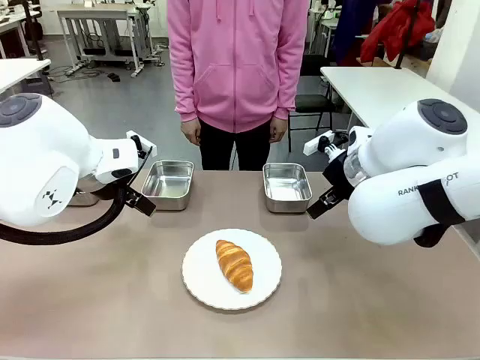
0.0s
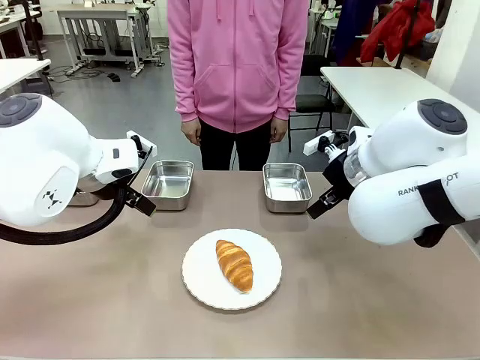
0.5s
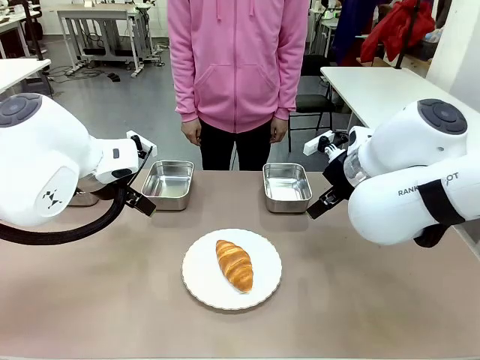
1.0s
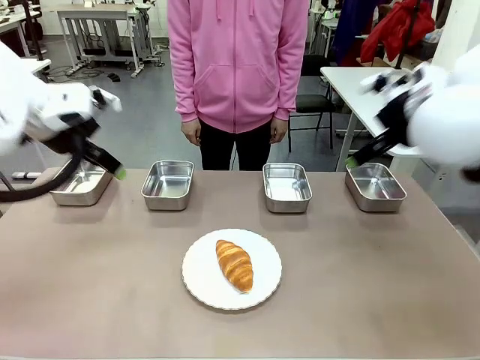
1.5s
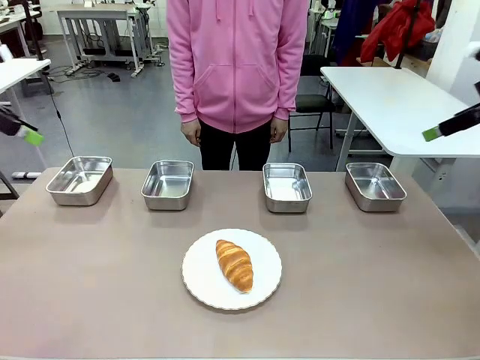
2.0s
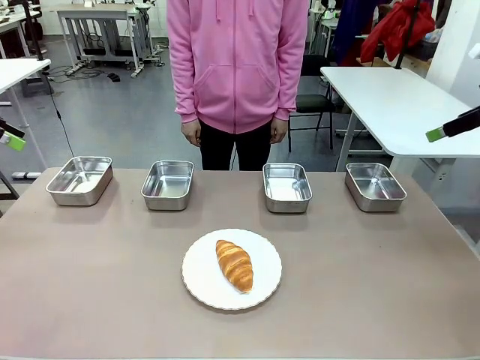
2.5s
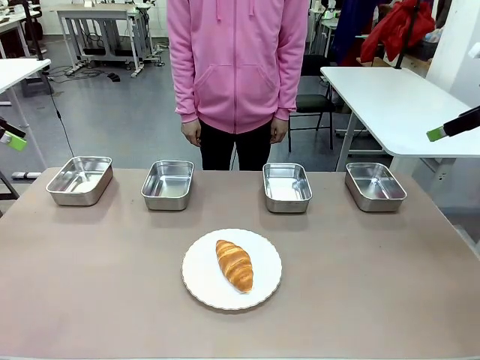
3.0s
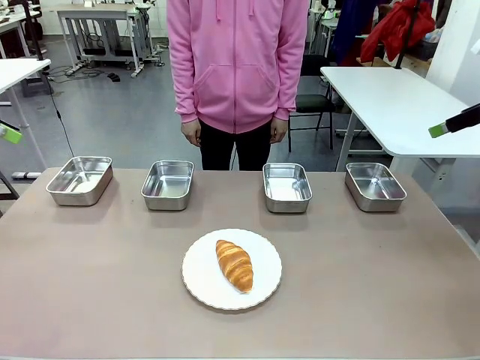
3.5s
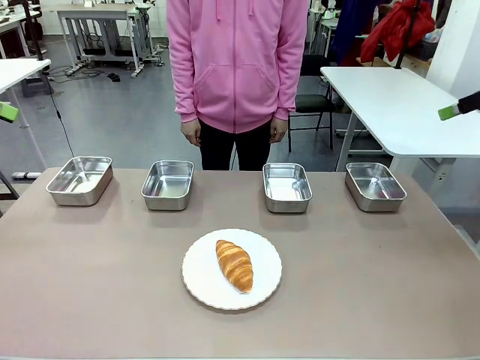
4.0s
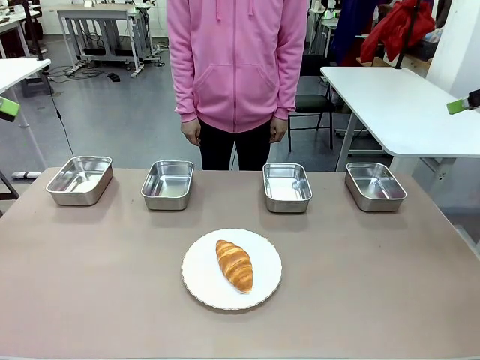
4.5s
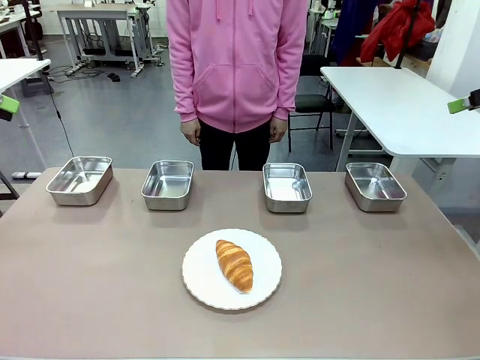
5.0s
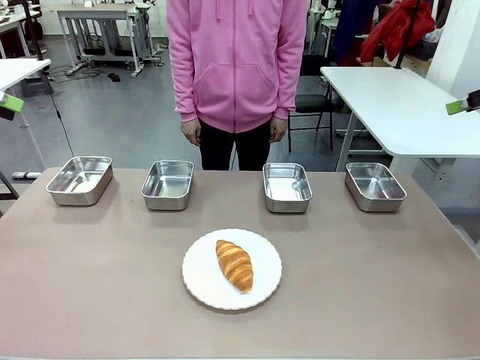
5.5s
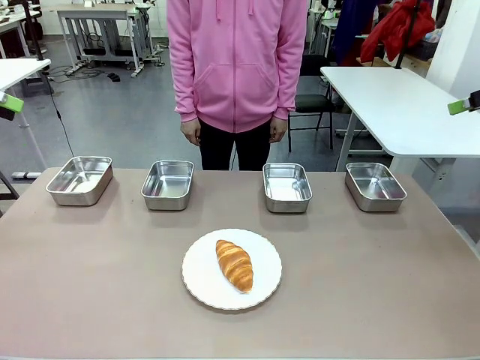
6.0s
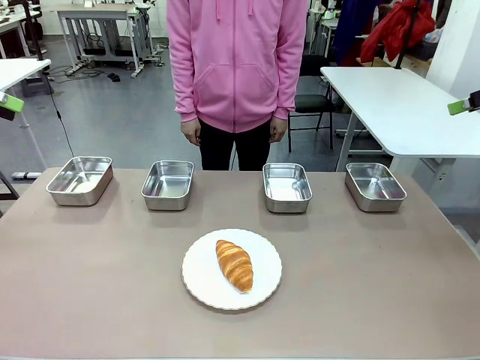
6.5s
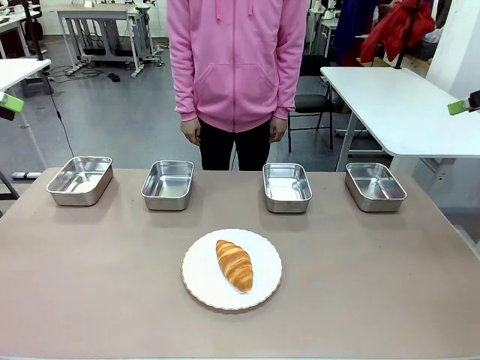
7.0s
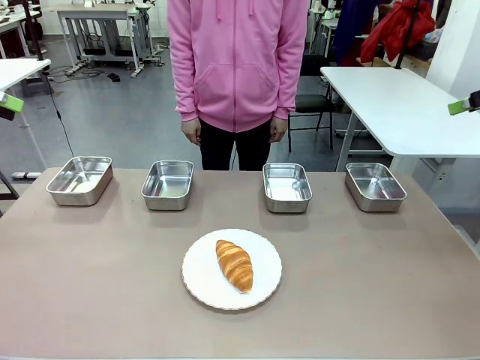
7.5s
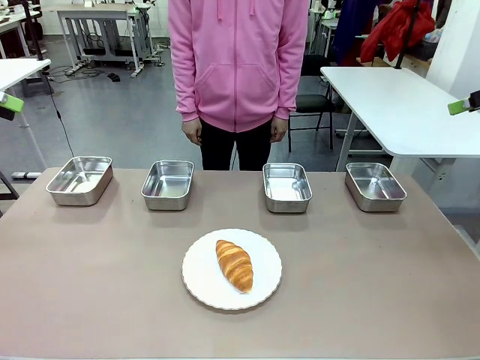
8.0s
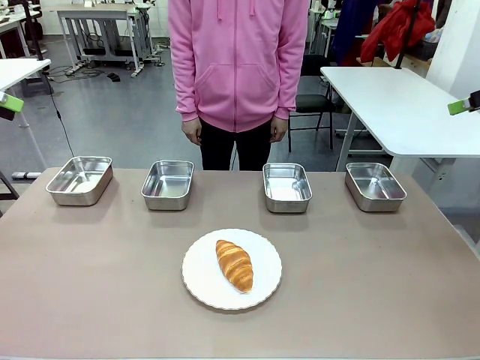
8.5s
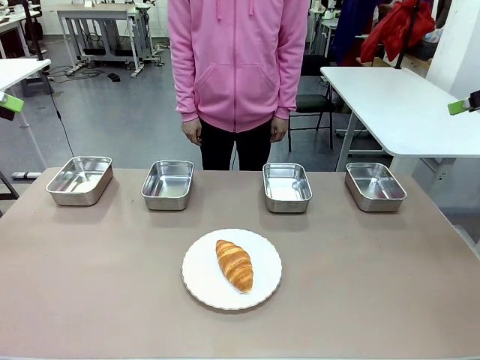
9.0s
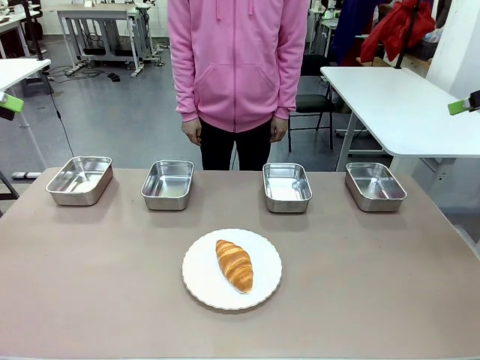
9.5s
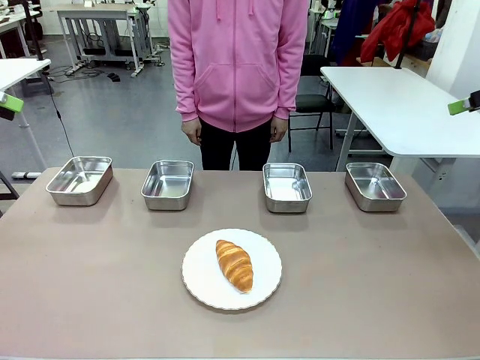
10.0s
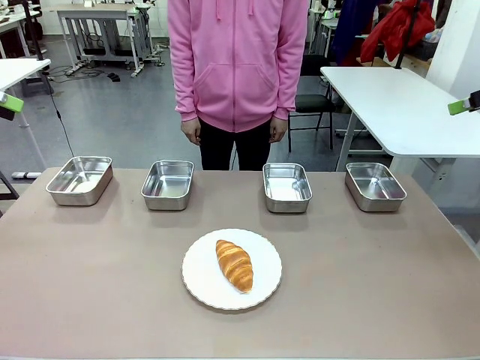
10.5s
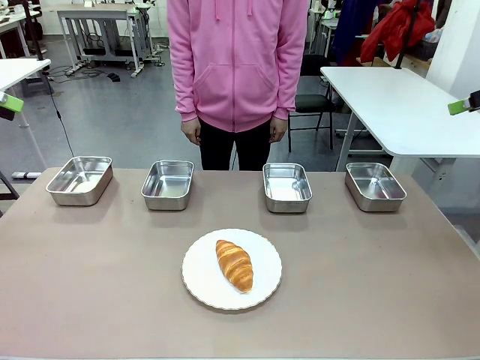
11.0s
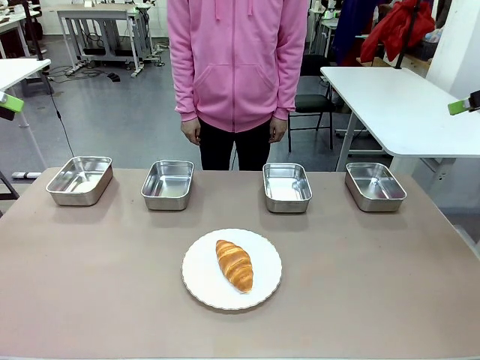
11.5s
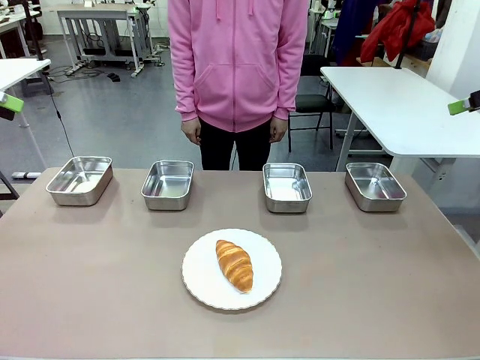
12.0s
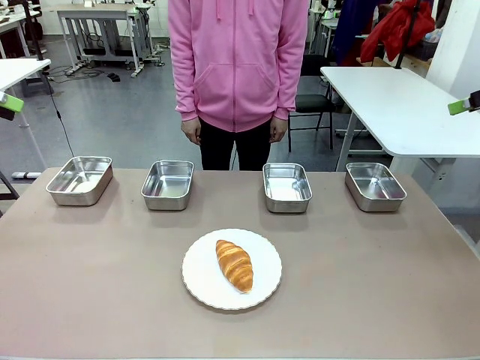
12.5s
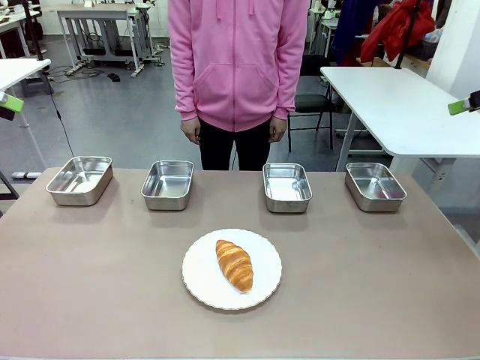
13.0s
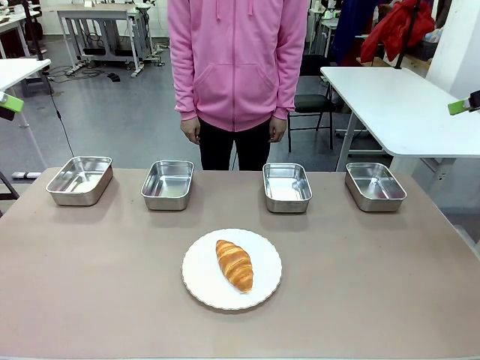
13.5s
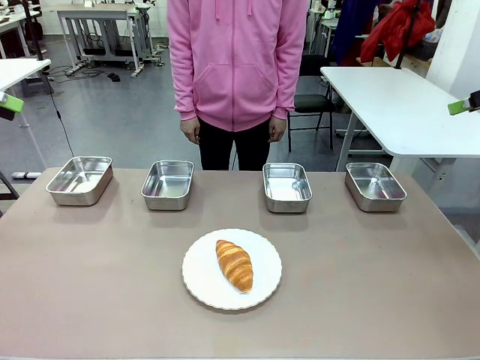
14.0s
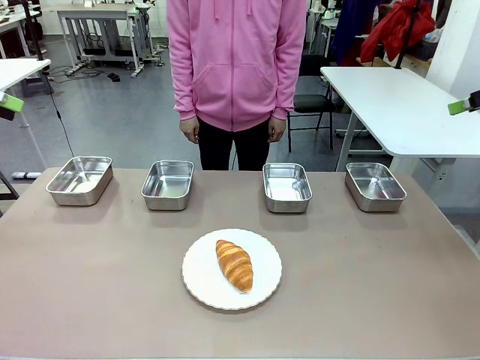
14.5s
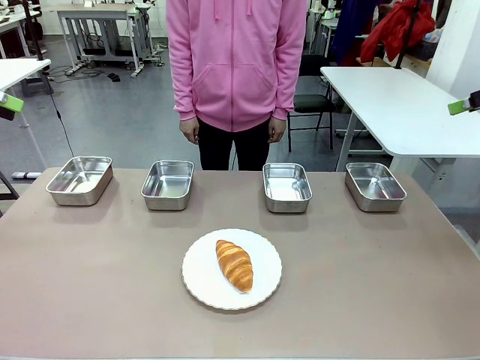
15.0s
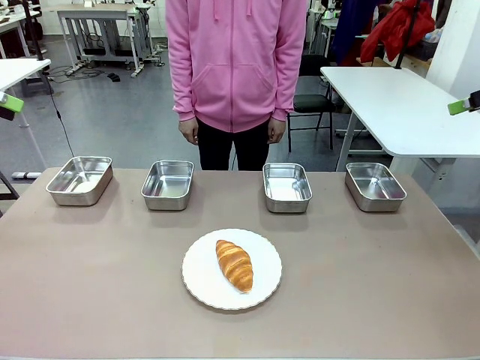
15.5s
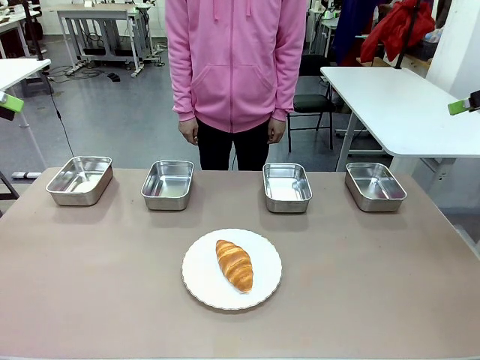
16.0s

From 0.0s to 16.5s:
Task: Place the bread in the container.
Robot: Place the Butter Roll into the Airtight Container indicated by the human.

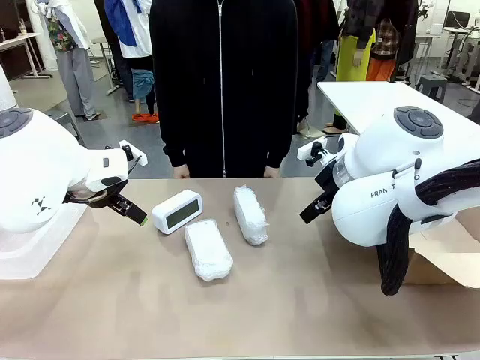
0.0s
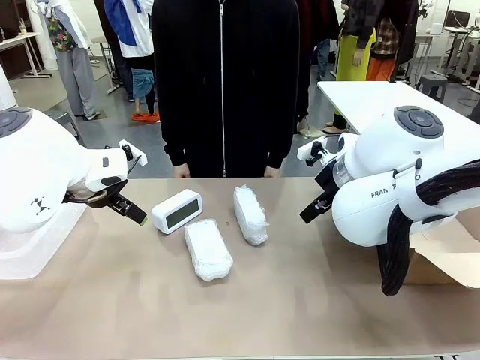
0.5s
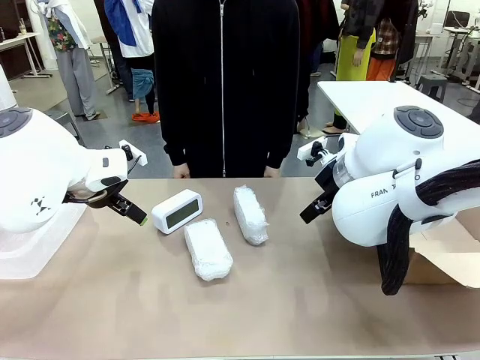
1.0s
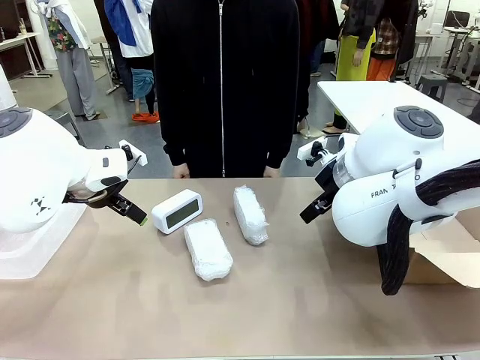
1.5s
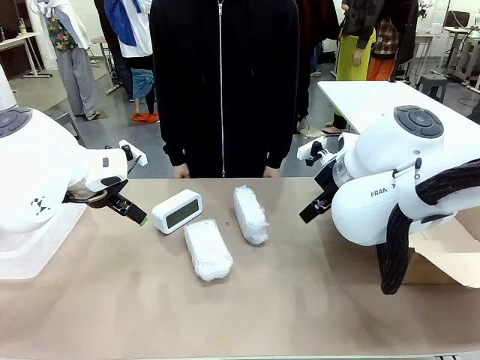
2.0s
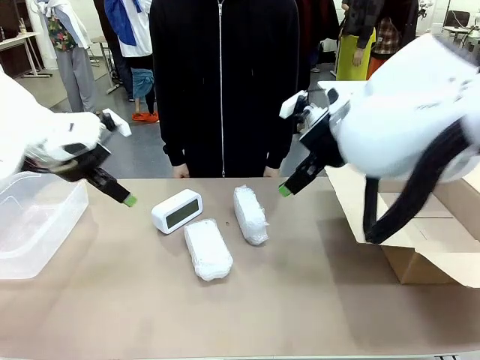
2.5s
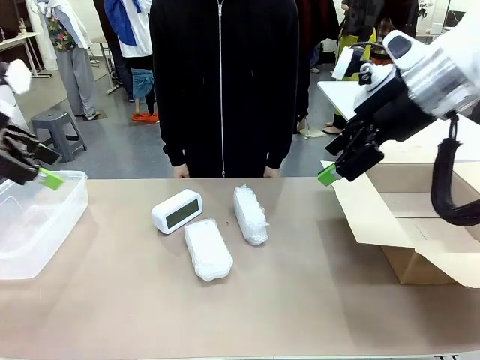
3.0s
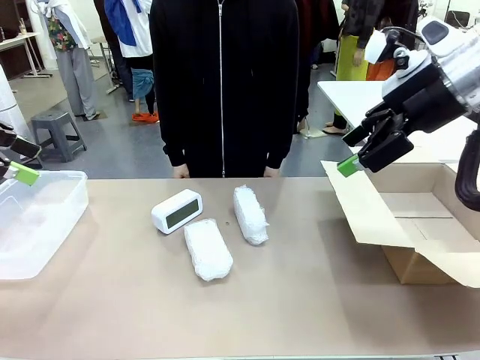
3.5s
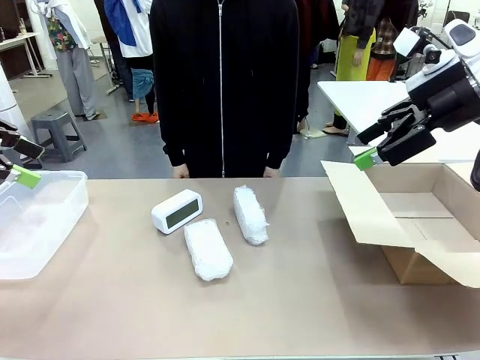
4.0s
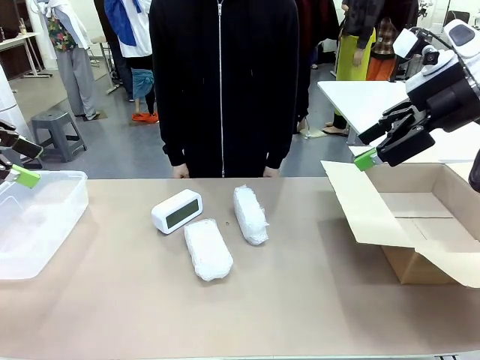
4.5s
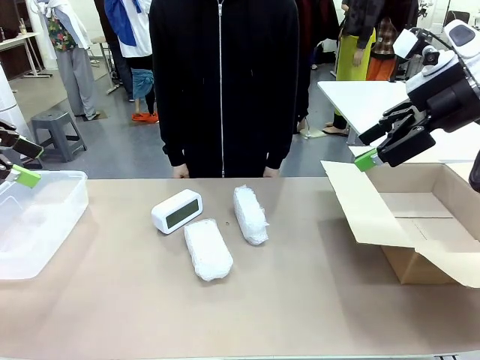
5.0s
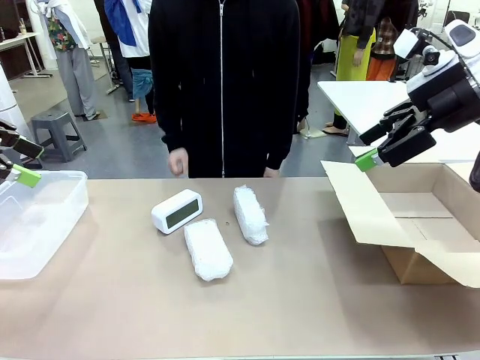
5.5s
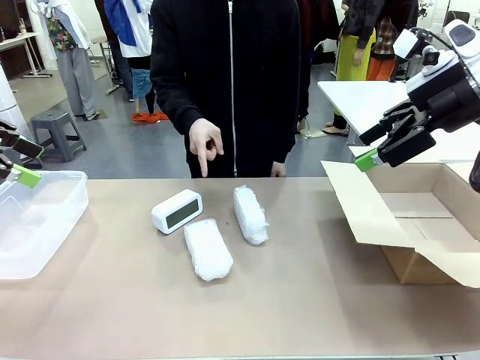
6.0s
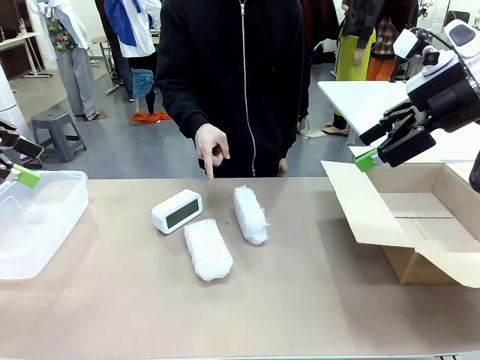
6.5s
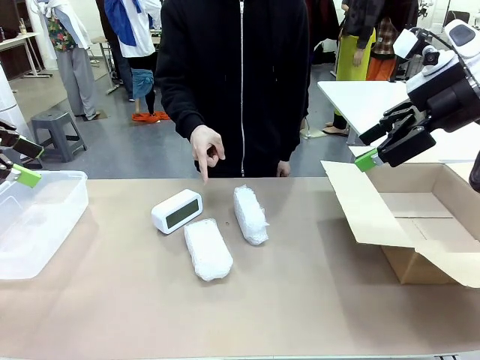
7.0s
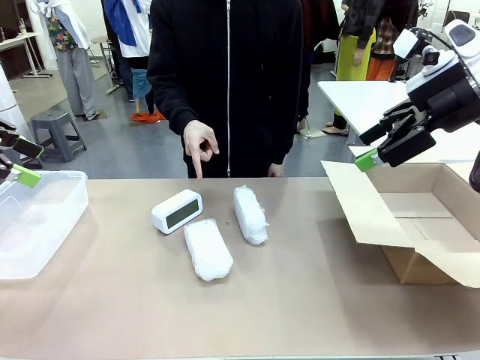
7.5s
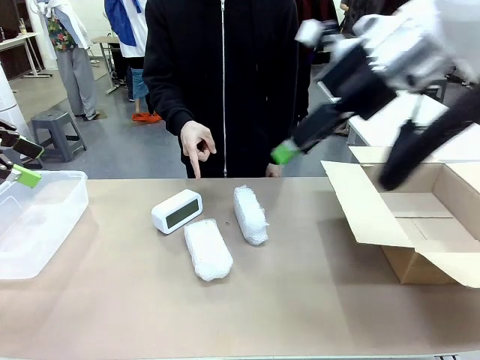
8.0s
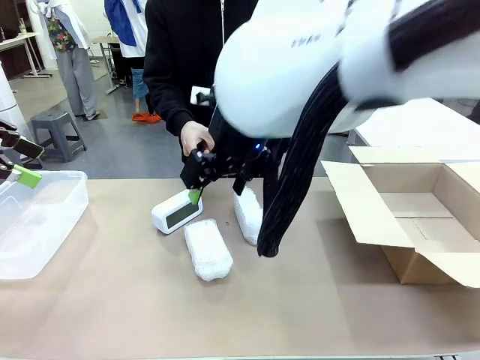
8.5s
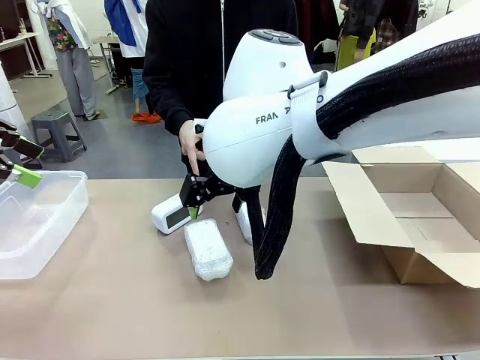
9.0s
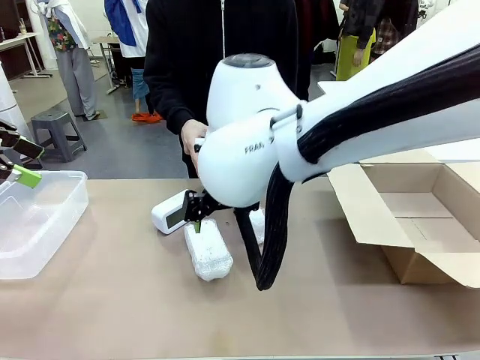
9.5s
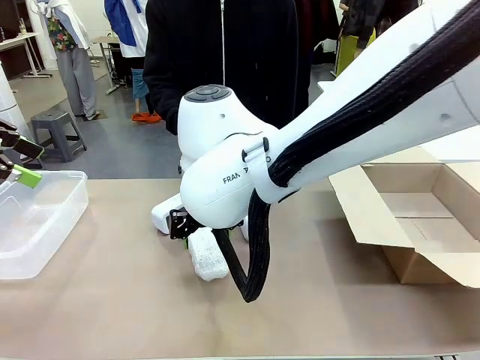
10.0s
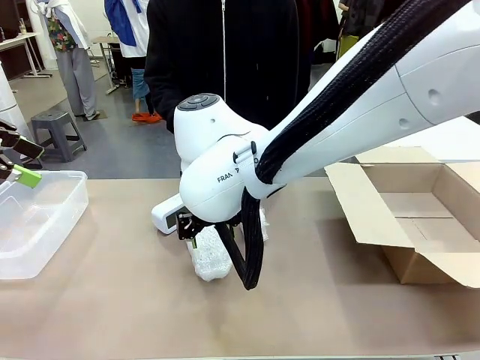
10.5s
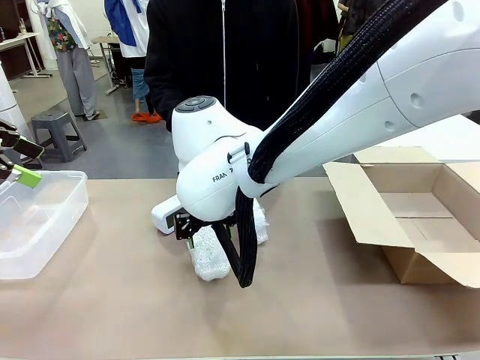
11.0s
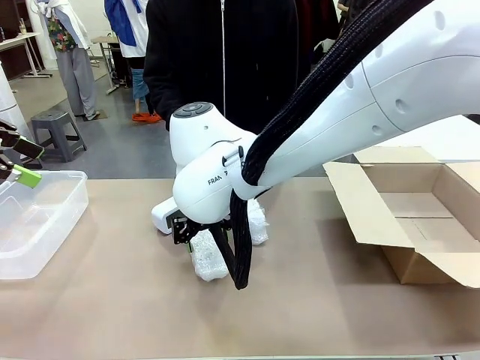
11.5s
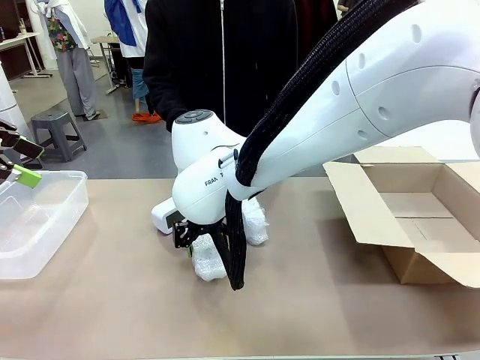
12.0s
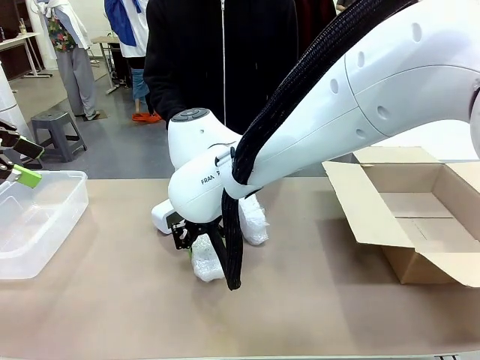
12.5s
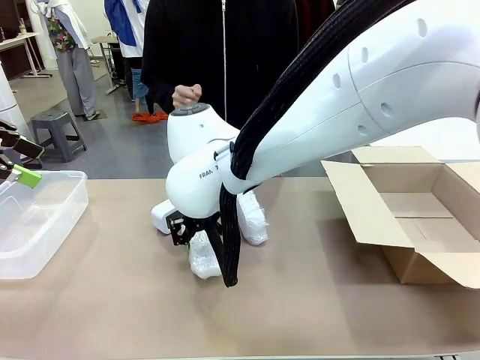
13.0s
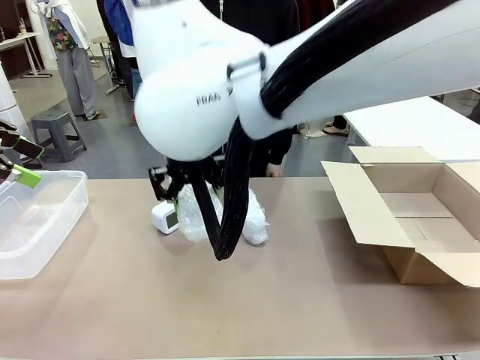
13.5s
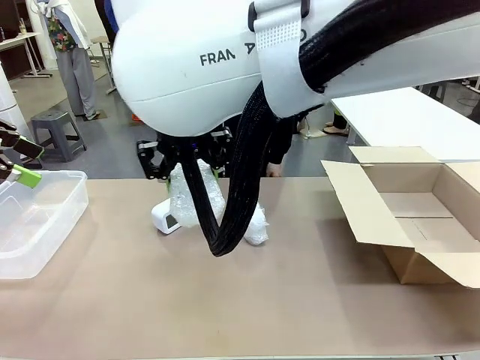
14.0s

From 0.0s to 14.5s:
Task: Separate and place wrapped and unwrapped clocks.
Robot: Pick up the Digital clock indicated by the person.
